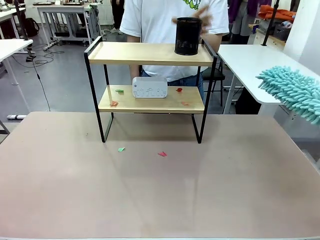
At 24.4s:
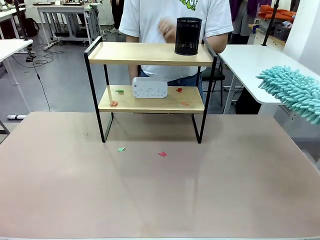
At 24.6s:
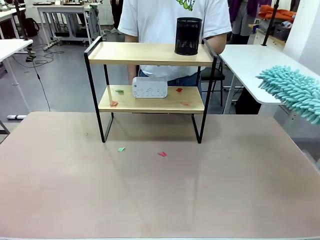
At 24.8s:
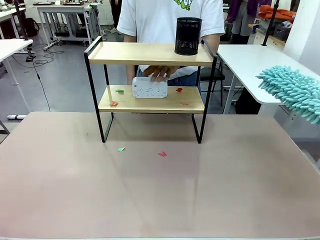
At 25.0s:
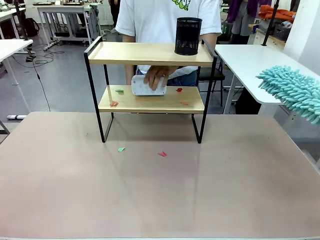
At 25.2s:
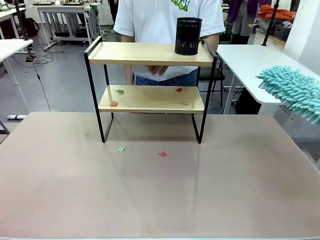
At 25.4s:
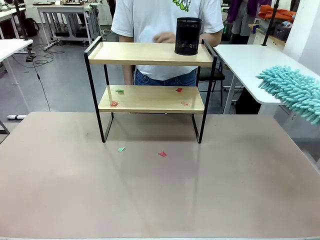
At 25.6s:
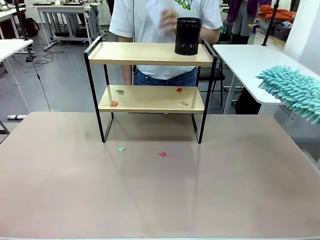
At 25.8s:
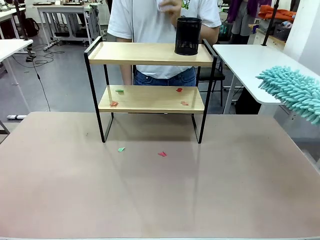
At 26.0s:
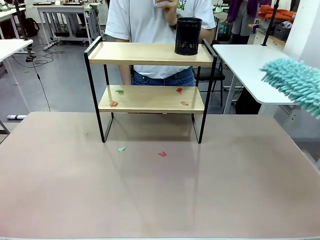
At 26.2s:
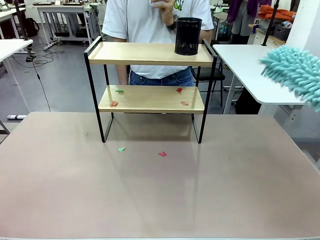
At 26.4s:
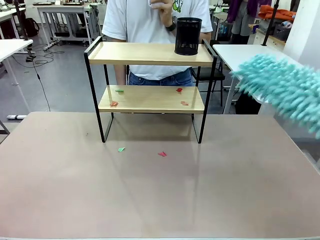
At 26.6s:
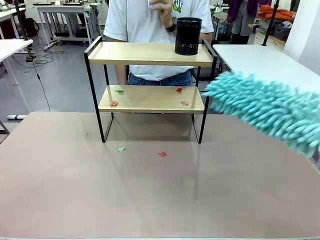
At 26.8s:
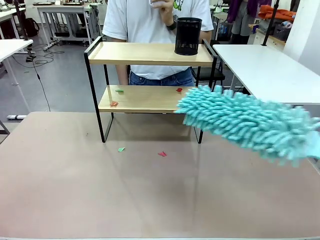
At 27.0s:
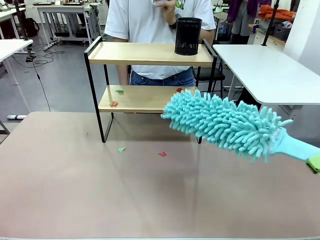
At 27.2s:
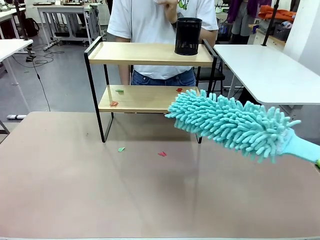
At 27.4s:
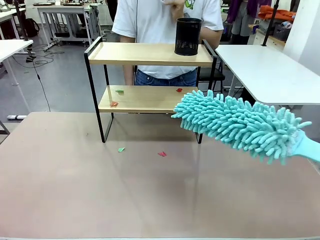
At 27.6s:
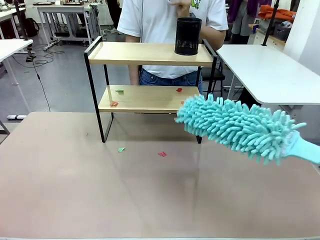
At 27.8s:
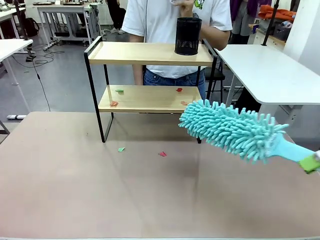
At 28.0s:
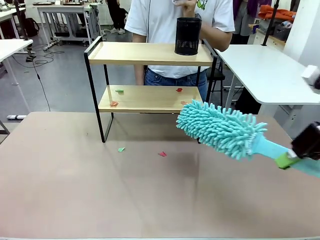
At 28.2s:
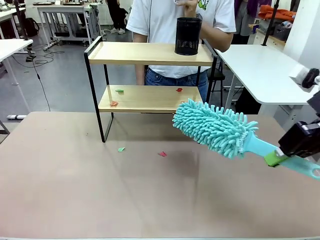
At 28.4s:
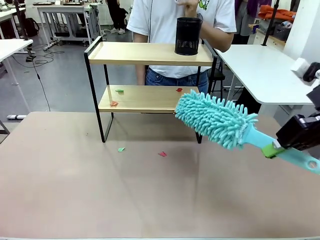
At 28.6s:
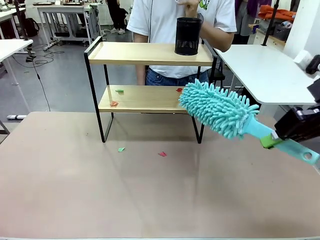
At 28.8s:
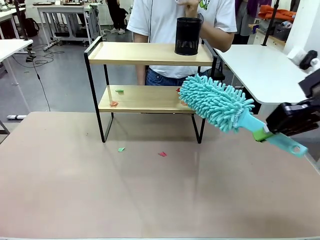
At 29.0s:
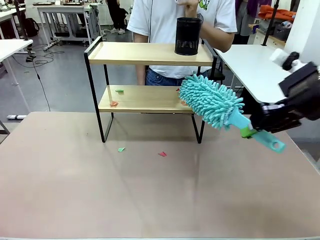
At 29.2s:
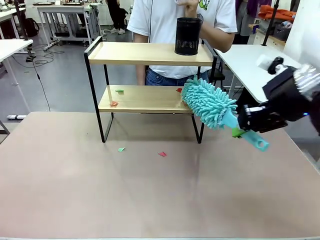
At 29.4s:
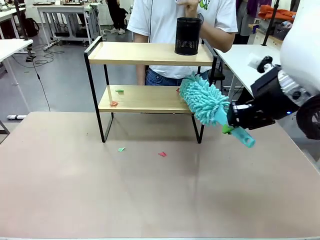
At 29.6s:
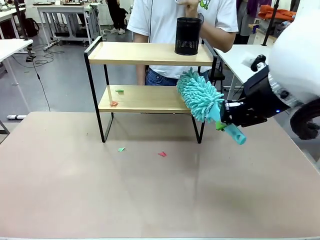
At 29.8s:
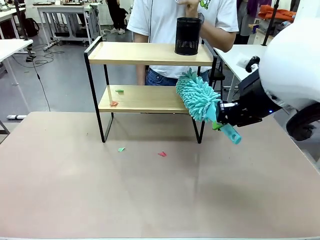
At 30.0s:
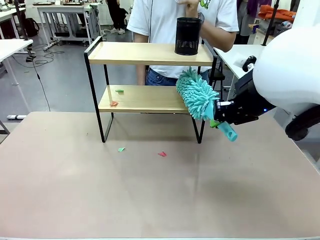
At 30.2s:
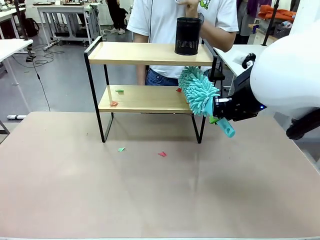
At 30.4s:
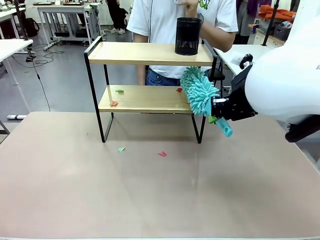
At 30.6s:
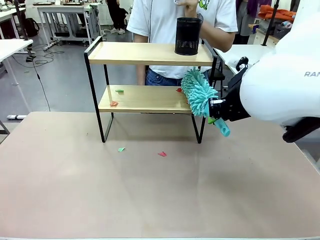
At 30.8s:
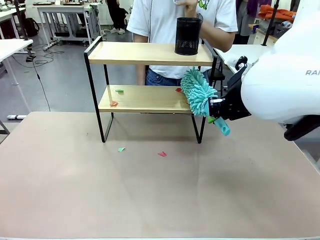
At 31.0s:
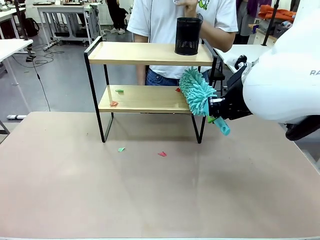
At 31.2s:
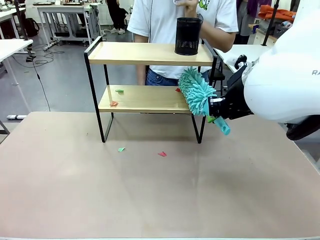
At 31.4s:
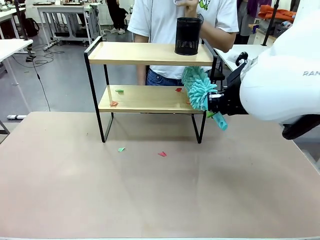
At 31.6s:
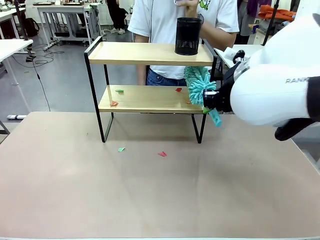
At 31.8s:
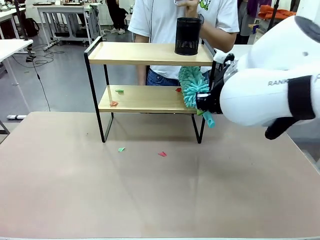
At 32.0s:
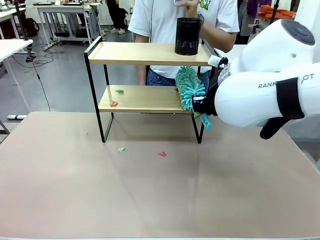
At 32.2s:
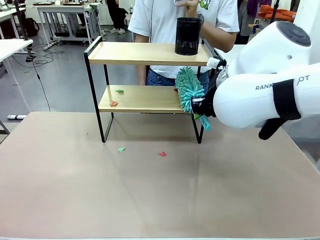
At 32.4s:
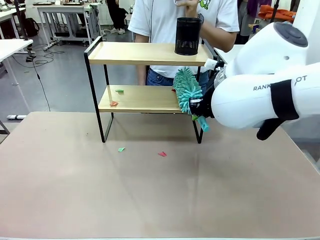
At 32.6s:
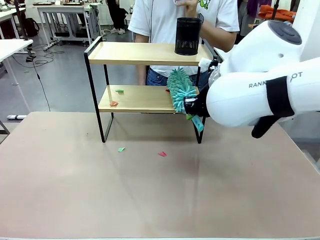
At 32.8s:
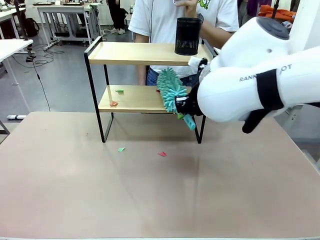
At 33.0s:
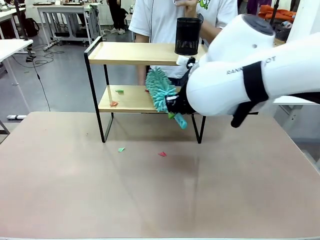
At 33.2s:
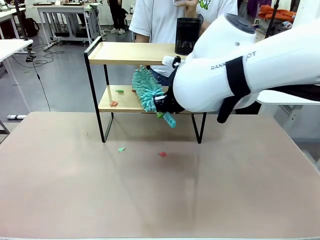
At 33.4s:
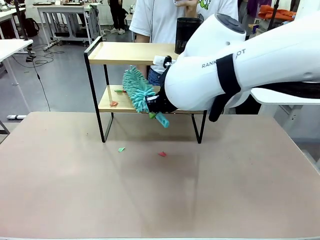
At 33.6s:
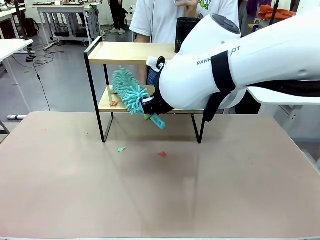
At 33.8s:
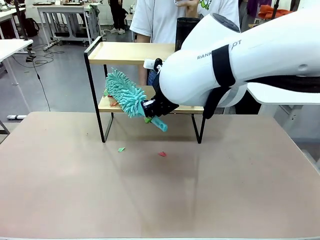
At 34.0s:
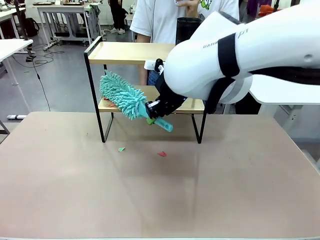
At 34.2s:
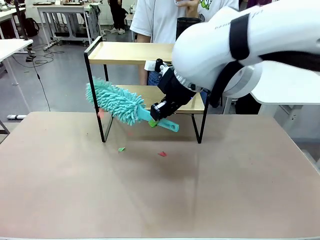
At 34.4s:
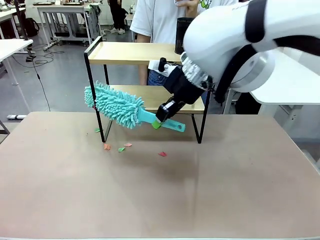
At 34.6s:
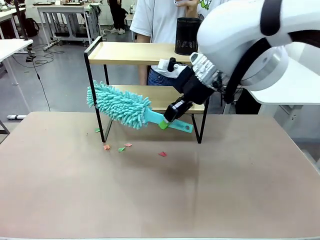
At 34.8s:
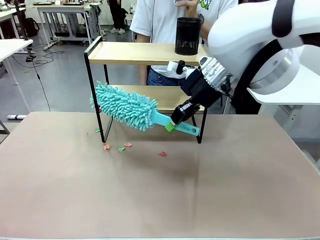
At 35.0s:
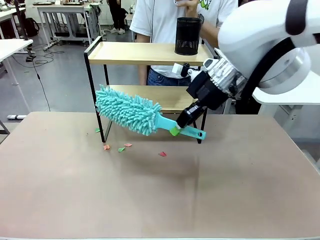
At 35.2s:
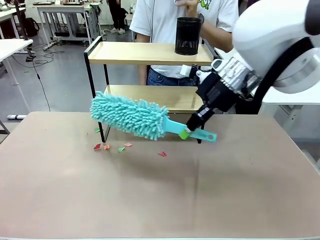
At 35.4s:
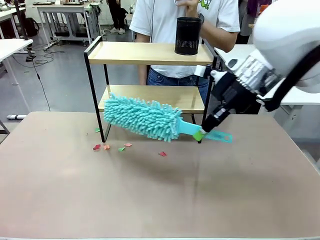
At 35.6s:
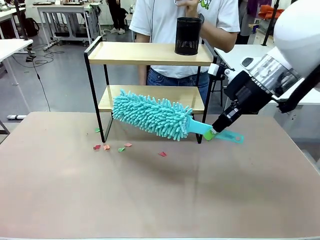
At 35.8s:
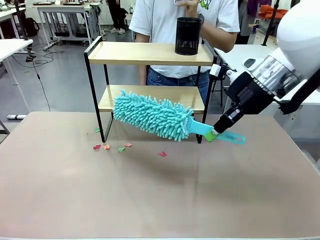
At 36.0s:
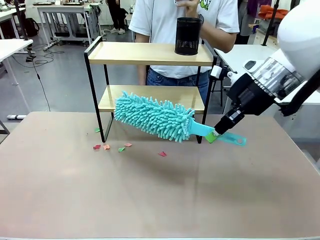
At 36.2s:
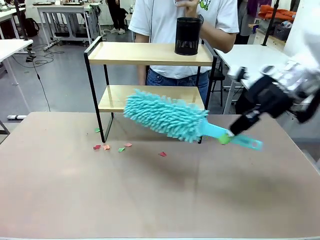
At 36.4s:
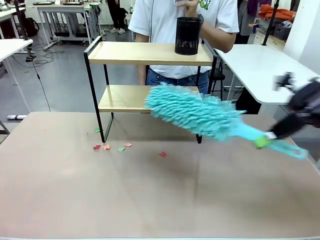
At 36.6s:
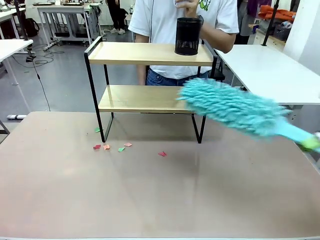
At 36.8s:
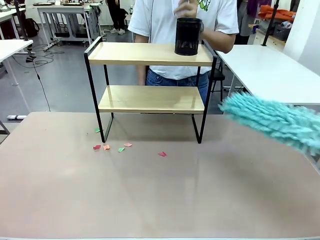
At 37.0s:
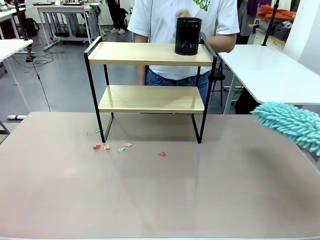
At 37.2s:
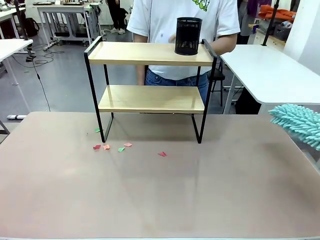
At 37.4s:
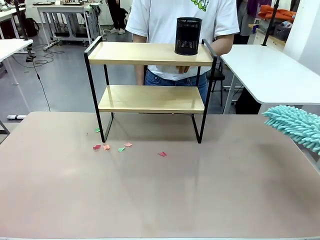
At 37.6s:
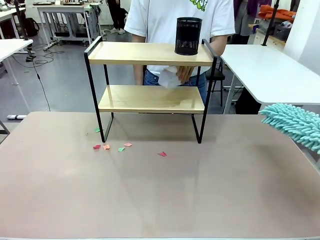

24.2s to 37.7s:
Task: Clean the shelf.
Robot: Clean the remaining tier of the Shelf with the Duster once objects are removed.
Person: Receive the Duster from the robot.

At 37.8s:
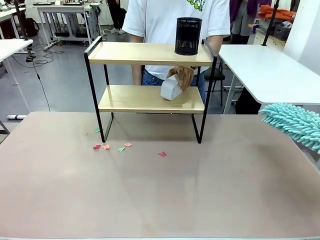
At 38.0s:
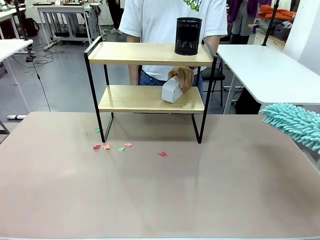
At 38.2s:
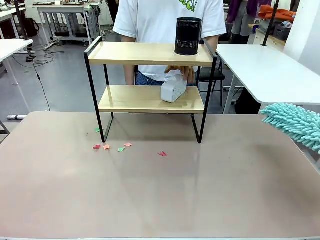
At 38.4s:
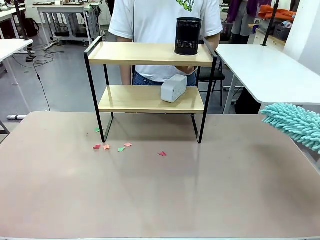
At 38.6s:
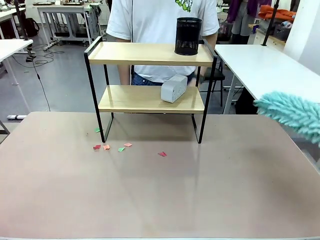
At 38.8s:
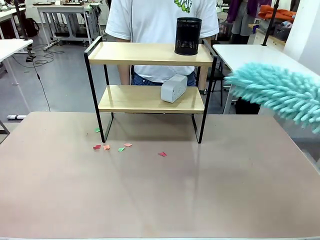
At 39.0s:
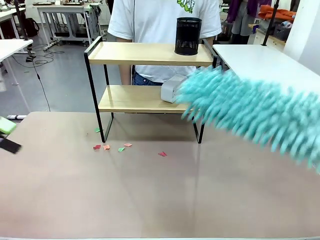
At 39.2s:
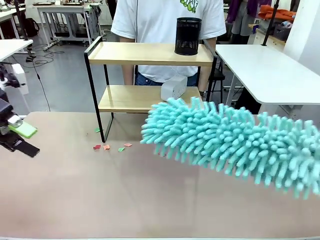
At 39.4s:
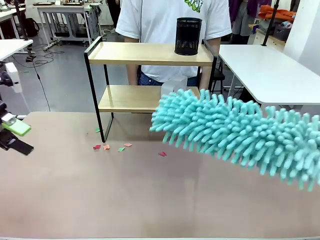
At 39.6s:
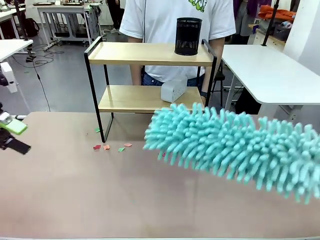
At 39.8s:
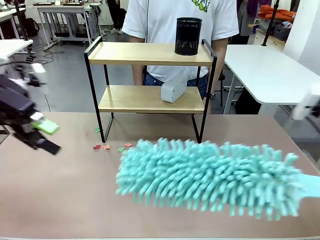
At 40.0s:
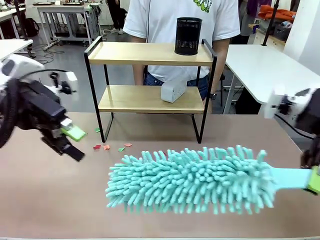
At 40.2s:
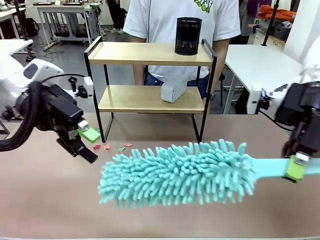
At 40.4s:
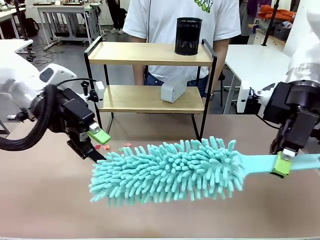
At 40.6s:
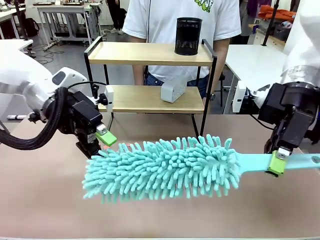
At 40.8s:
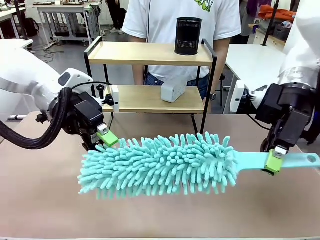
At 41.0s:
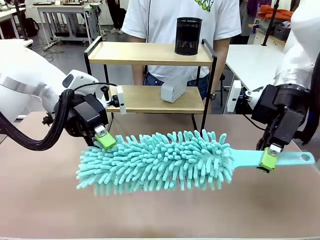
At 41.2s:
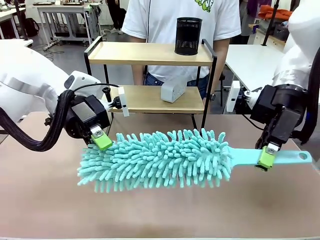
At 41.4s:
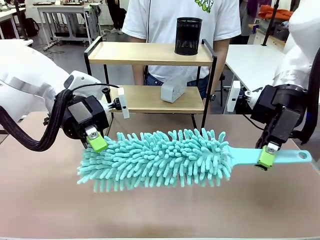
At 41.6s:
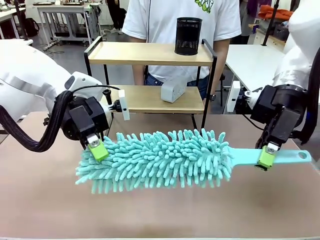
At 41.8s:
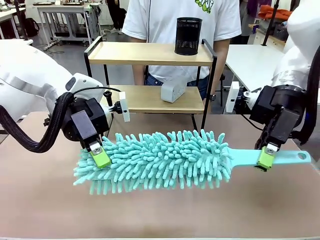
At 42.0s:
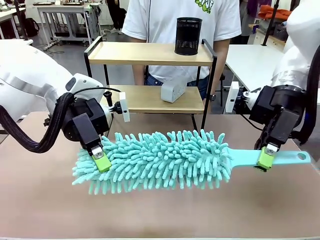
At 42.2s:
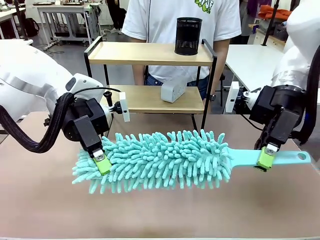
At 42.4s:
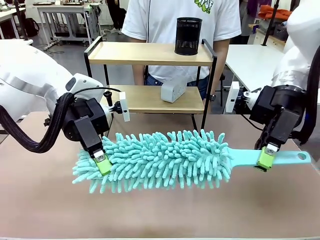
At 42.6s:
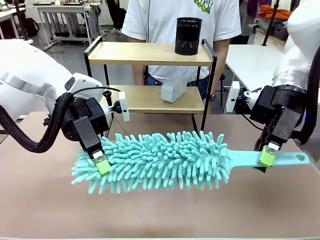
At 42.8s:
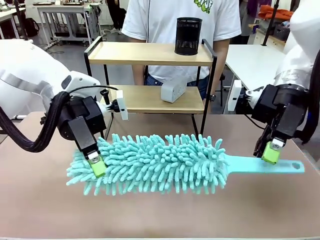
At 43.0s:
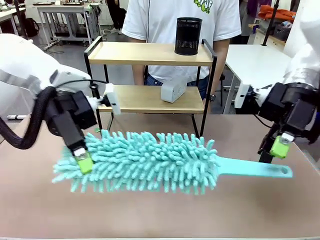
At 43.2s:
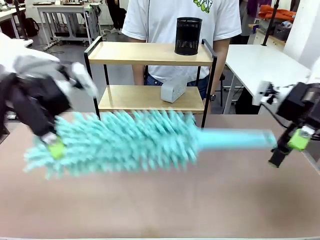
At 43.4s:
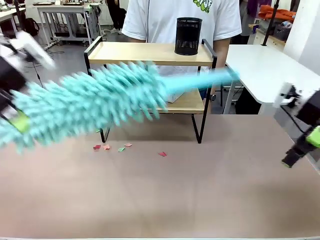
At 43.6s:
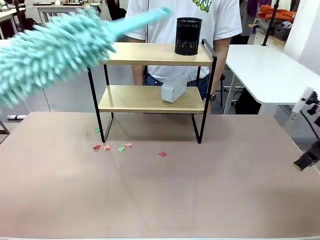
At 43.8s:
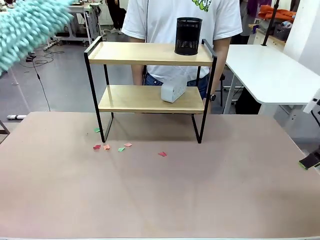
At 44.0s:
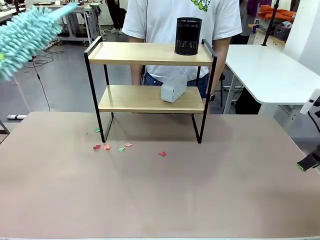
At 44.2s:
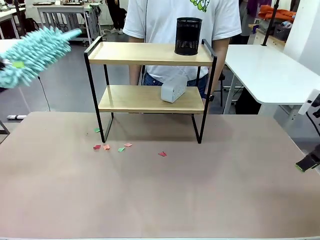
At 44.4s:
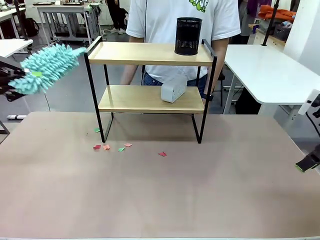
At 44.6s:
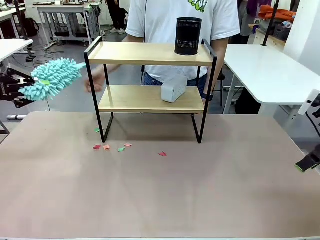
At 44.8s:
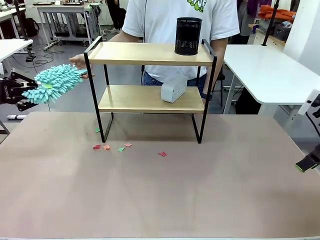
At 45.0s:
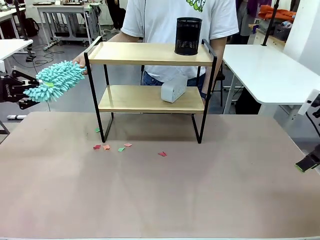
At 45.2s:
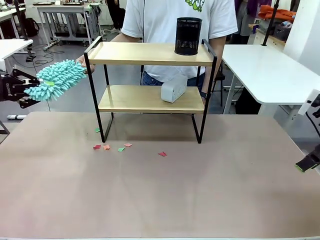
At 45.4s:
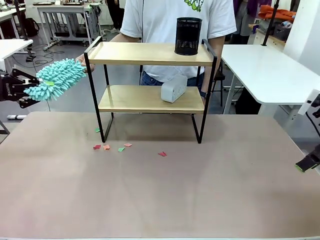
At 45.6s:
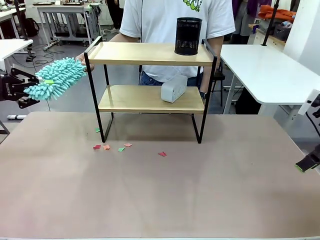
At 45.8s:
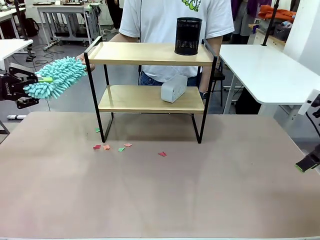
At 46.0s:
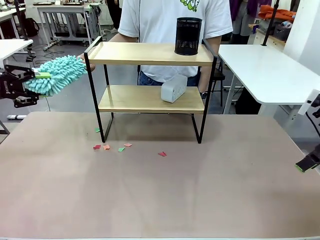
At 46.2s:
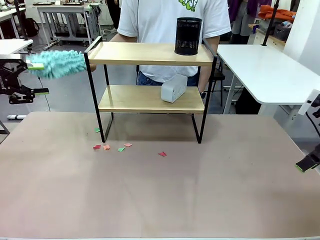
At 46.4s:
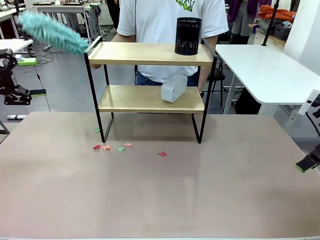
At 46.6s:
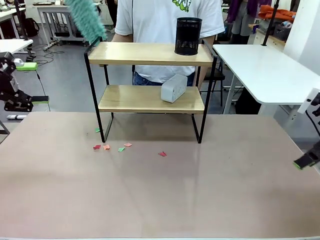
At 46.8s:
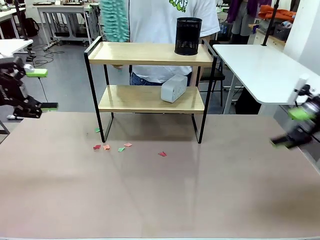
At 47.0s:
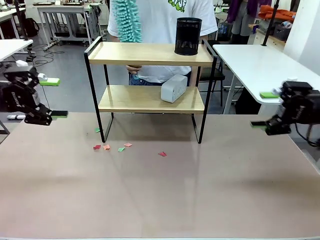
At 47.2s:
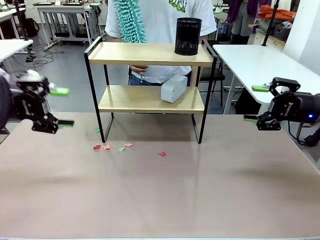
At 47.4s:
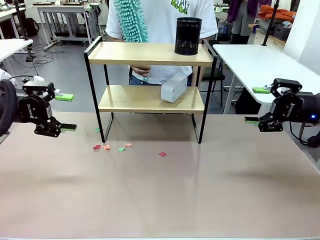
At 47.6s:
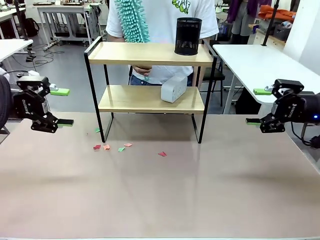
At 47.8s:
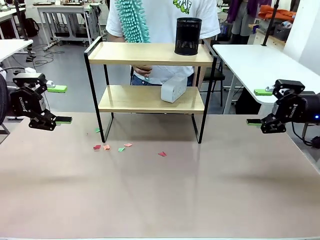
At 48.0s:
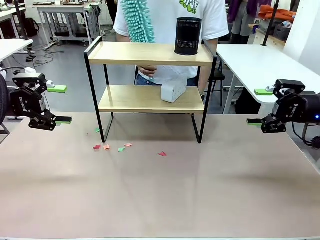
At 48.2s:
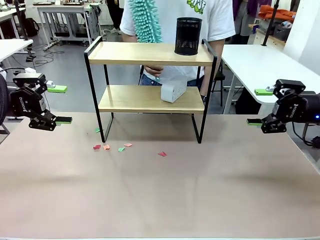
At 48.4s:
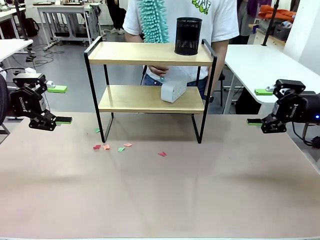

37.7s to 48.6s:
Robot: Hand the Duster back to the human.
